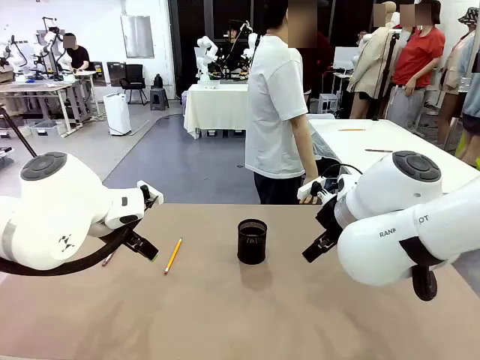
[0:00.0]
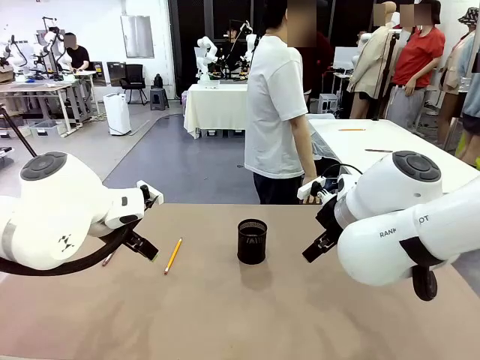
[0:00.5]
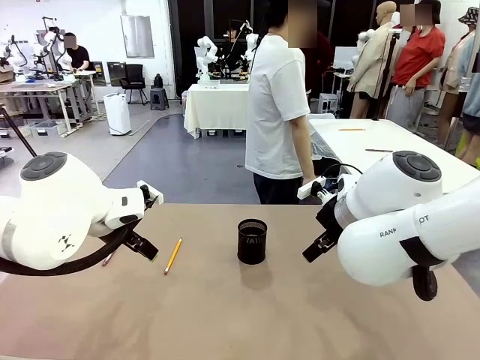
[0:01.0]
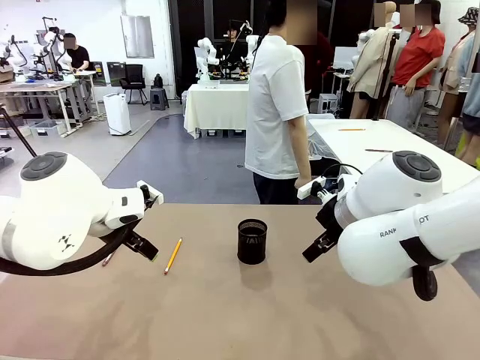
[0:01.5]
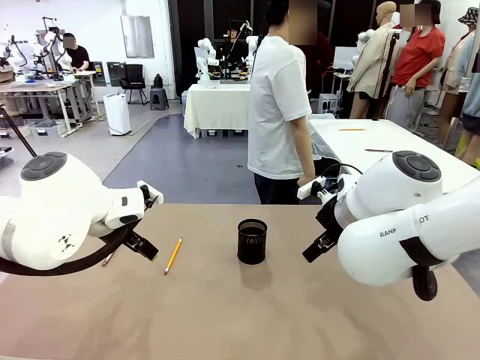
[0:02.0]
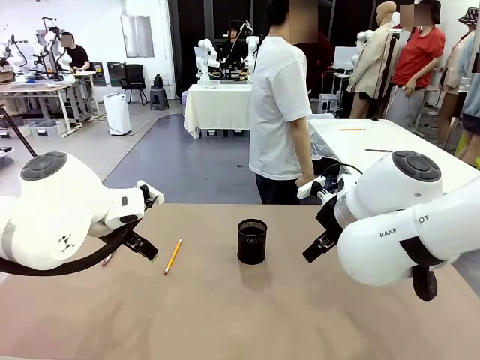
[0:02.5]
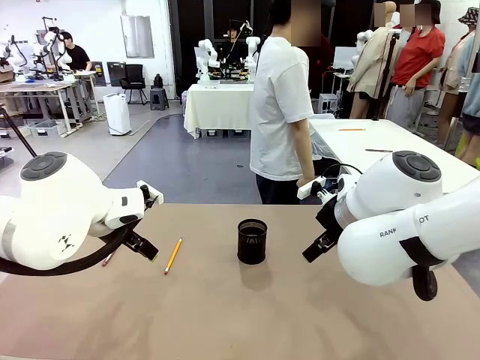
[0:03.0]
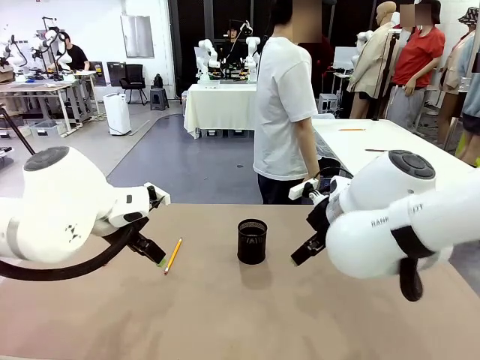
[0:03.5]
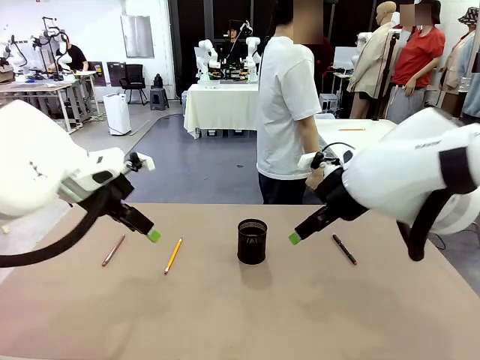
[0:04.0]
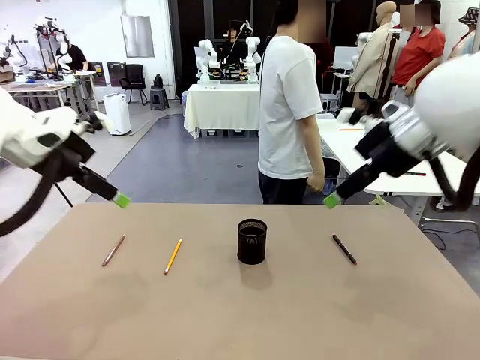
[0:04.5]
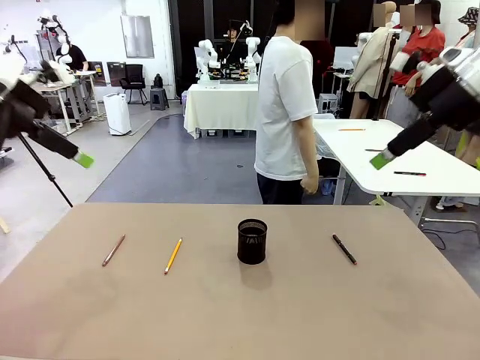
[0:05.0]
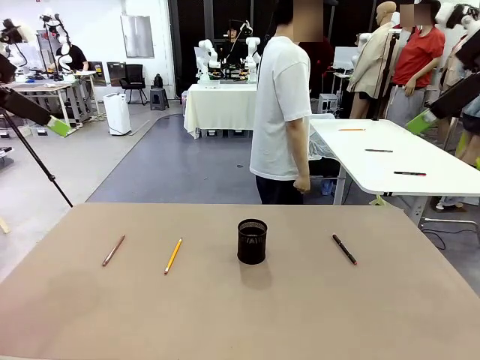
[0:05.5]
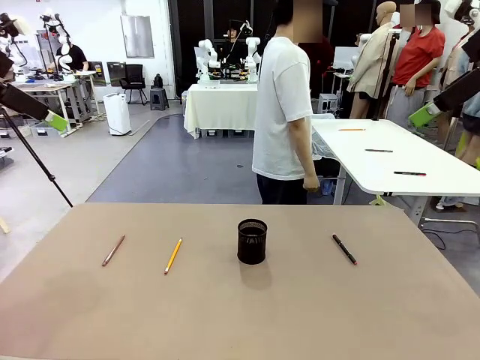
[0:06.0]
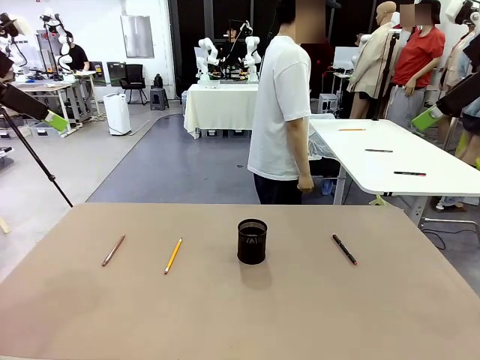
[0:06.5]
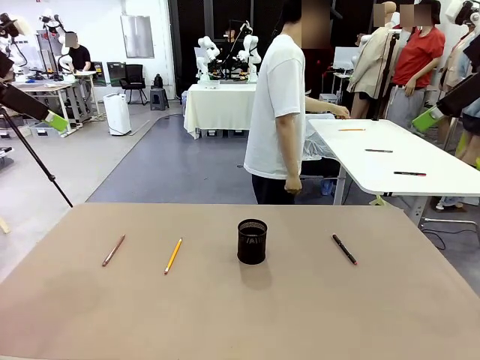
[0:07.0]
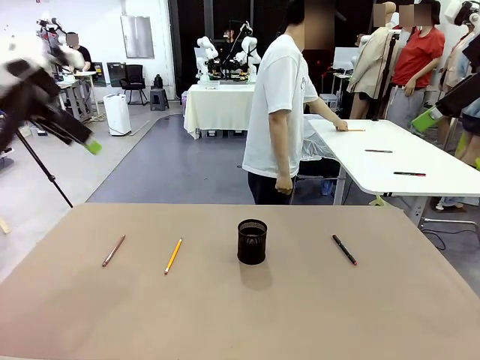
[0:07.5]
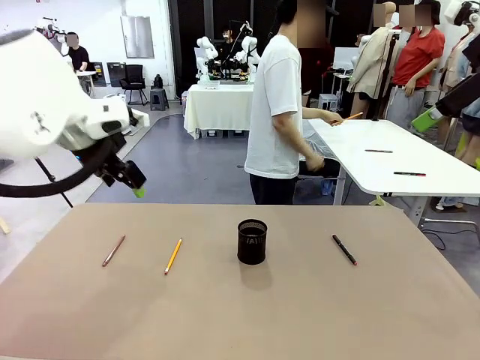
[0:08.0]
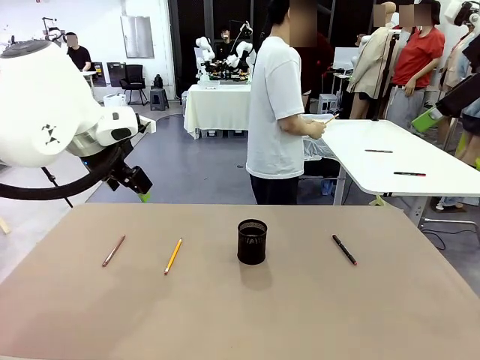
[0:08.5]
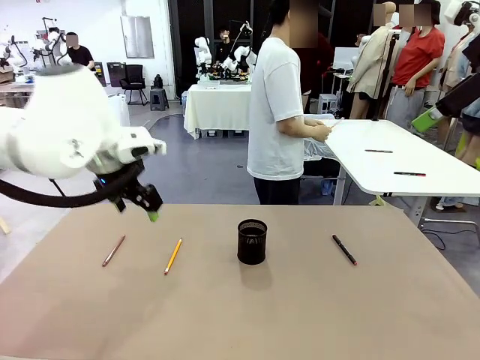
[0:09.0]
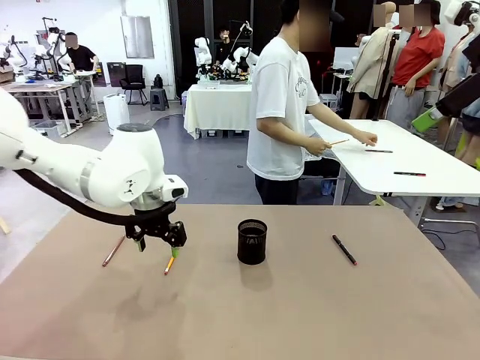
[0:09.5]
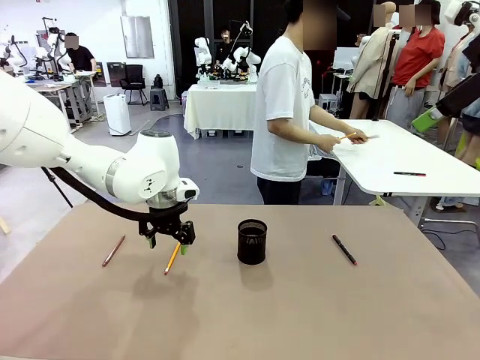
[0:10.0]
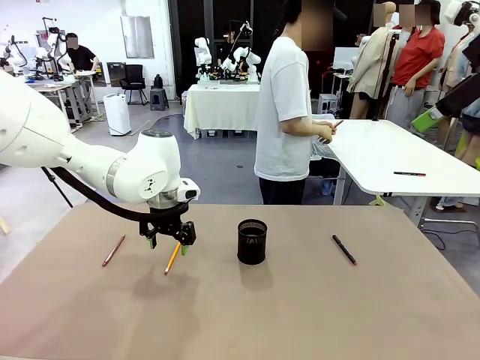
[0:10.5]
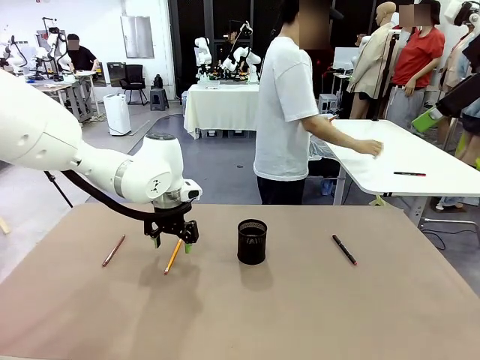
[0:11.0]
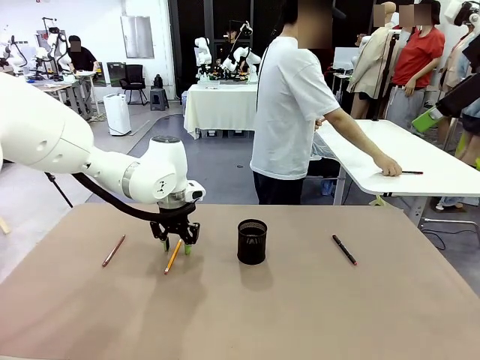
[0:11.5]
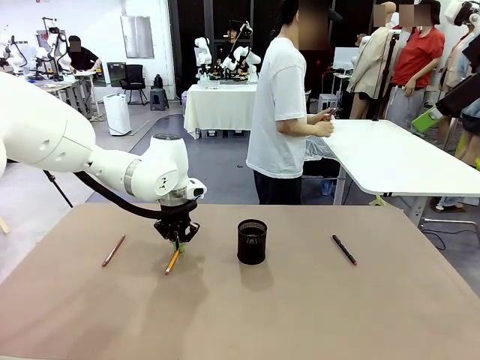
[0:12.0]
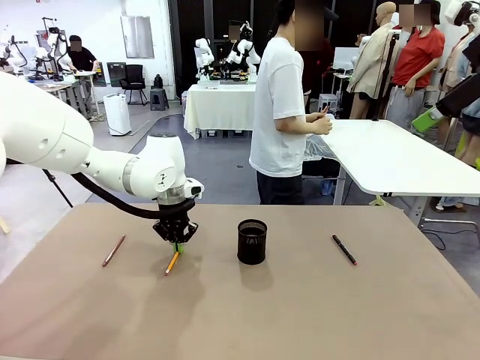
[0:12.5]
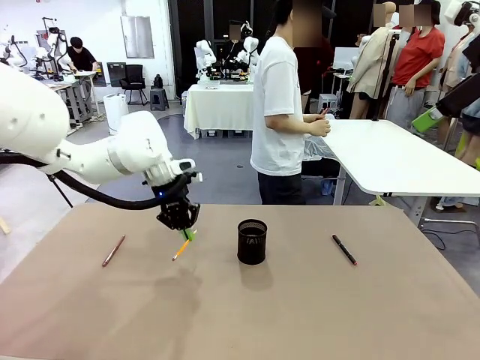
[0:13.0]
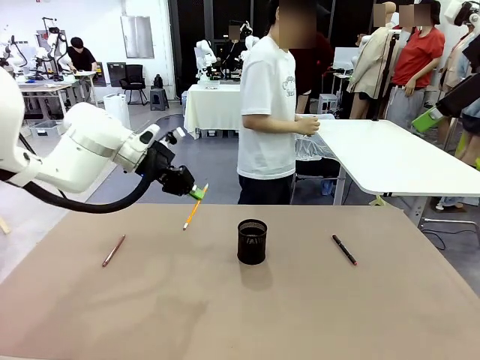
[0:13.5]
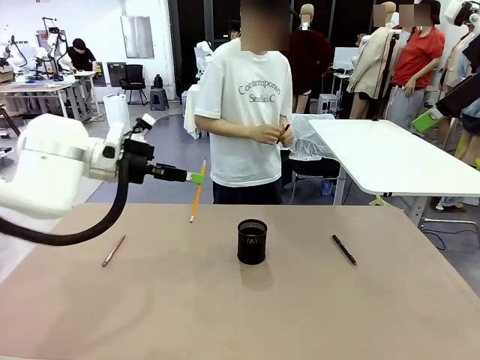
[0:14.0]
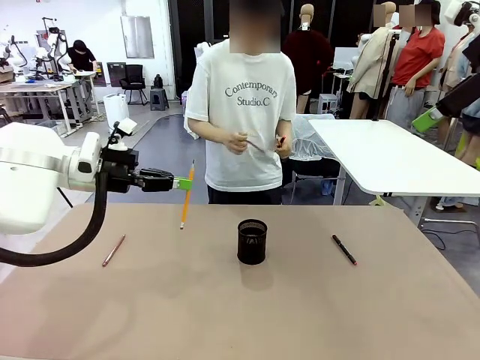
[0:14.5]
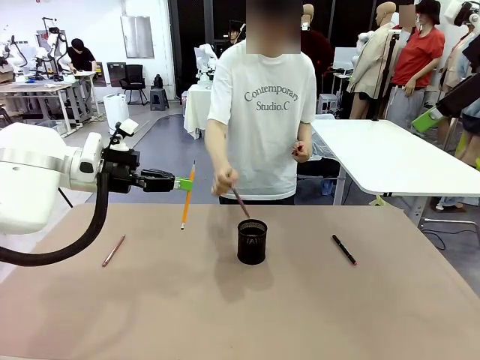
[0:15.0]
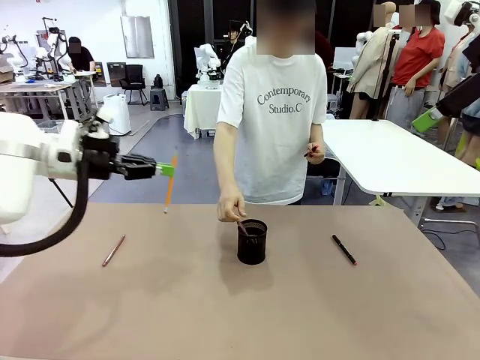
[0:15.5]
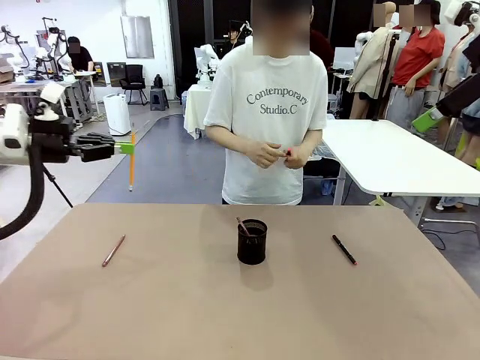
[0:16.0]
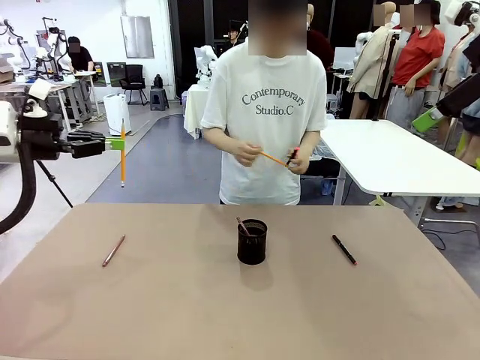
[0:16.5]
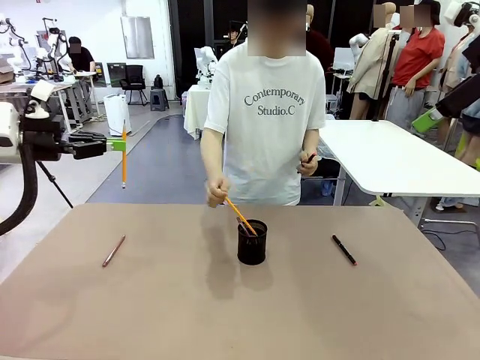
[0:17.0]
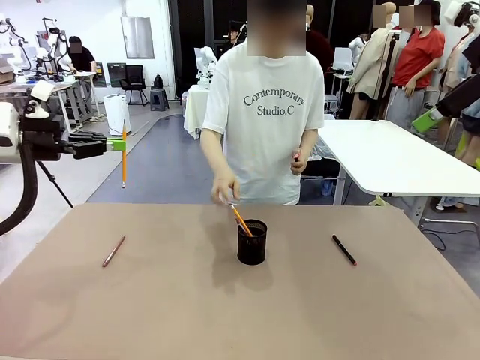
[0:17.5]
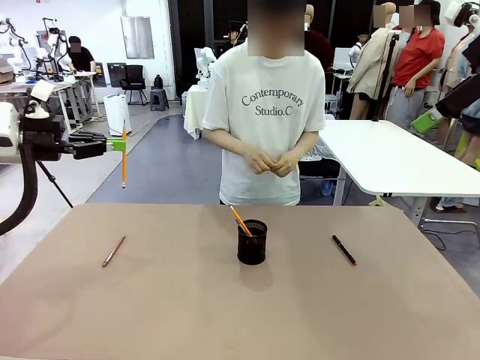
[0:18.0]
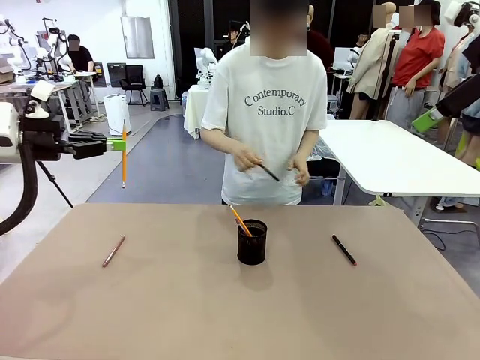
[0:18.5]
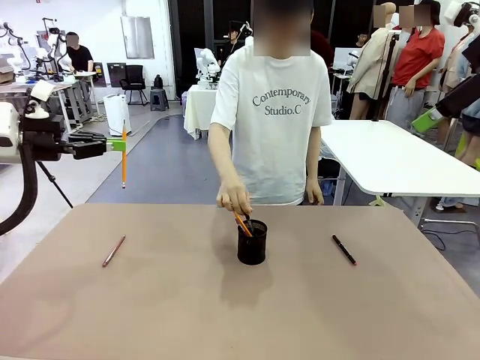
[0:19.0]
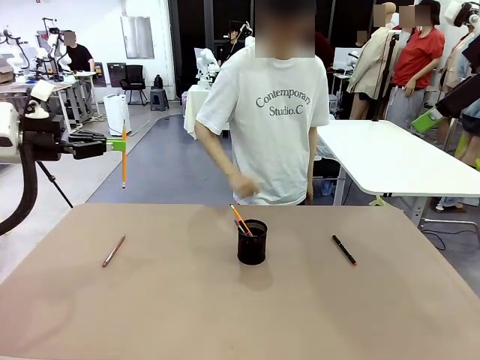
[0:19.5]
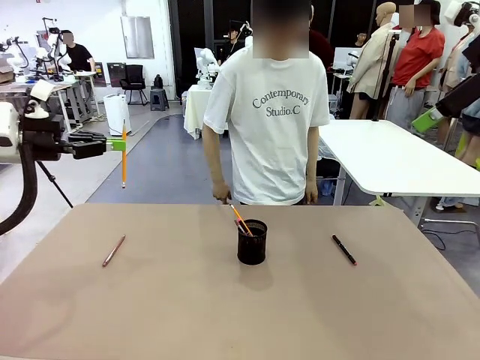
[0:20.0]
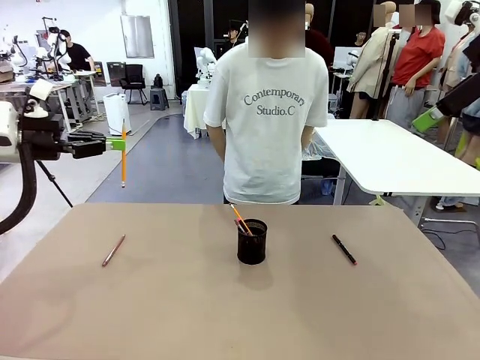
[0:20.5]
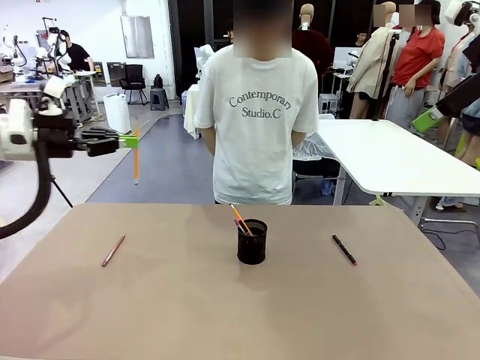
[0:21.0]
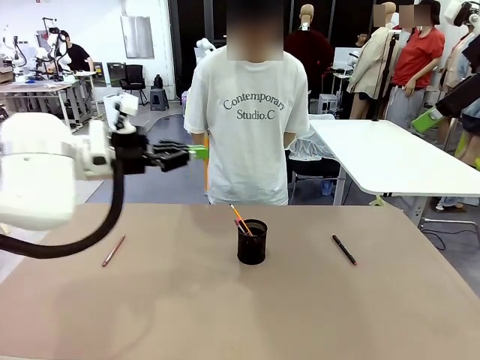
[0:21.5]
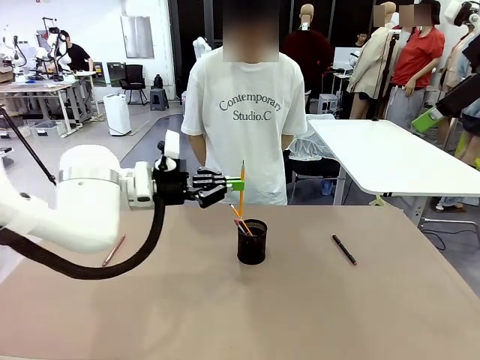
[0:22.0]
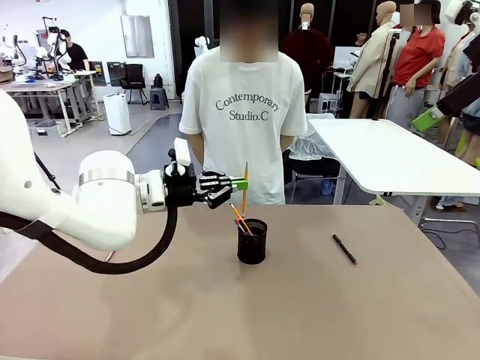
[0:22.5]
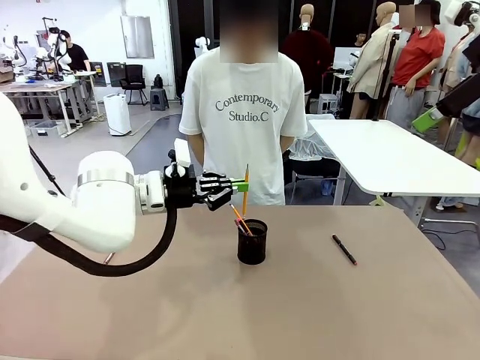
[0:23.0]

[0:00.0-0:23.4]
Task: Place the pens into the pen holder.
Robot: Pick up a writing instrument from the table and place it into the Pen holder.
Person: Pick up all writing instruments from the Human table.
